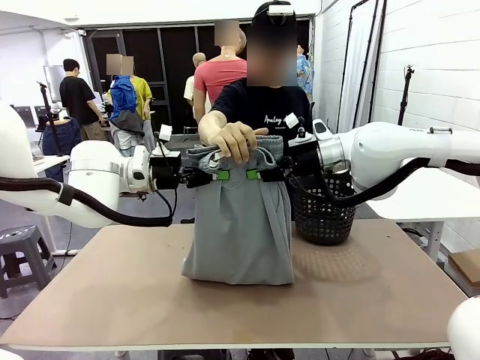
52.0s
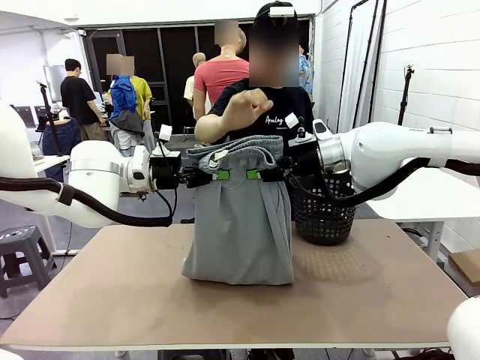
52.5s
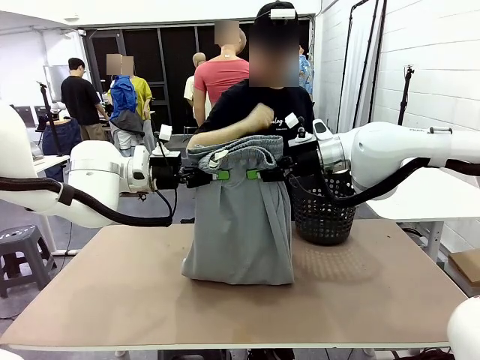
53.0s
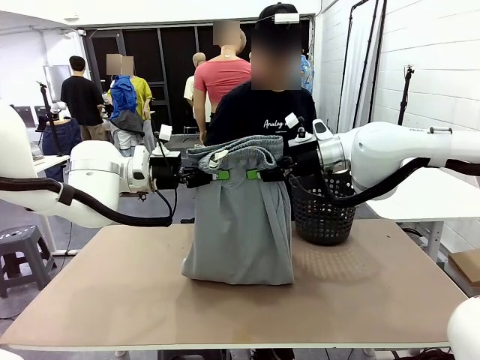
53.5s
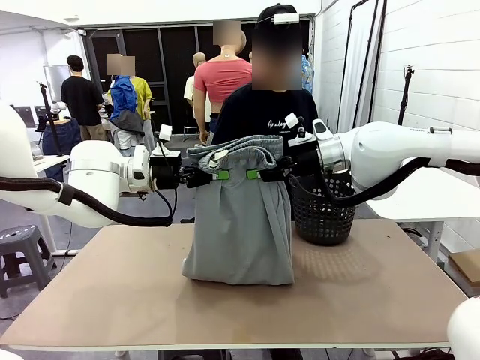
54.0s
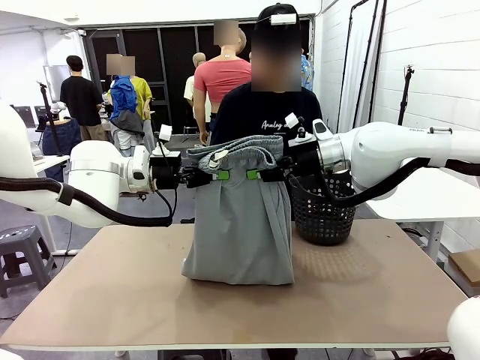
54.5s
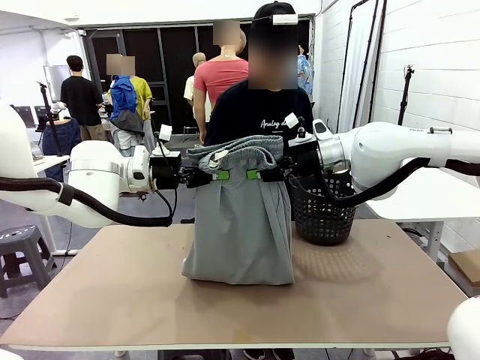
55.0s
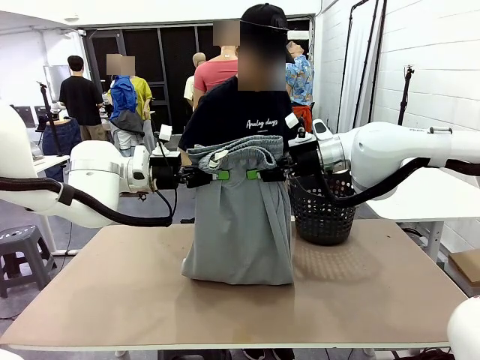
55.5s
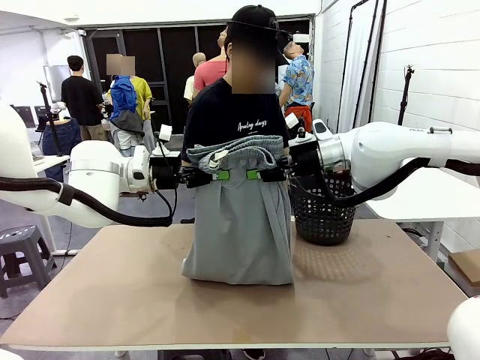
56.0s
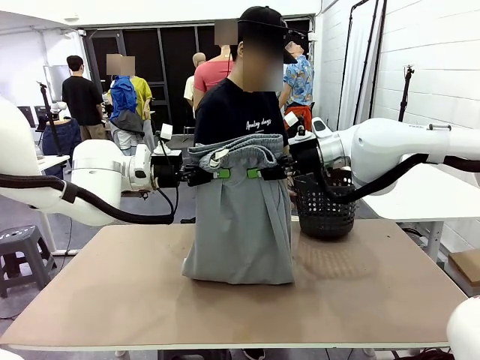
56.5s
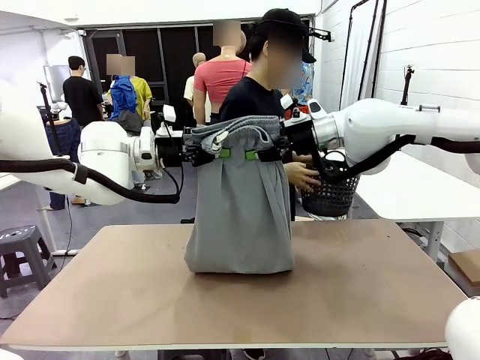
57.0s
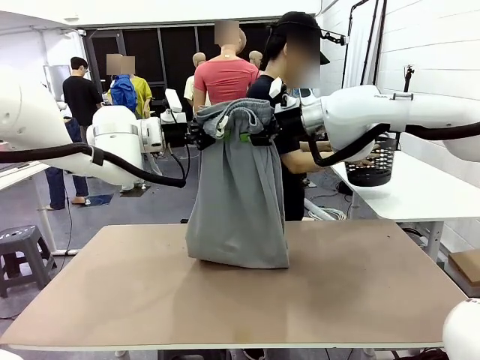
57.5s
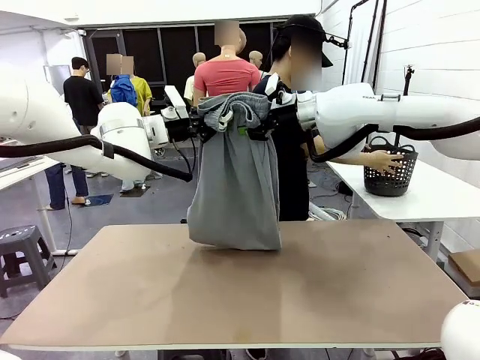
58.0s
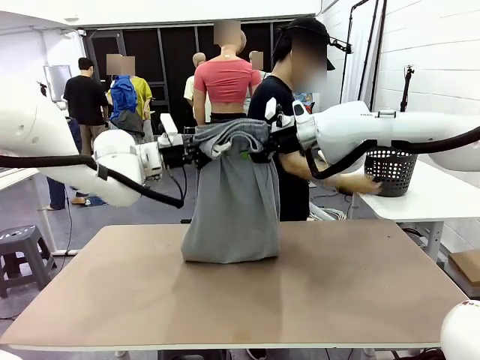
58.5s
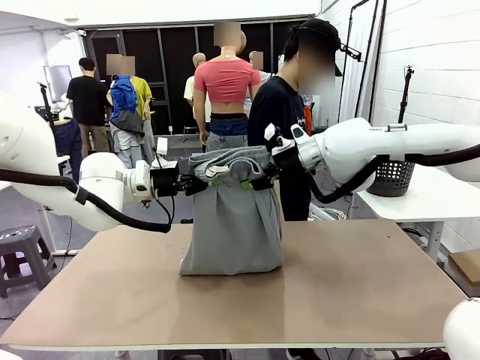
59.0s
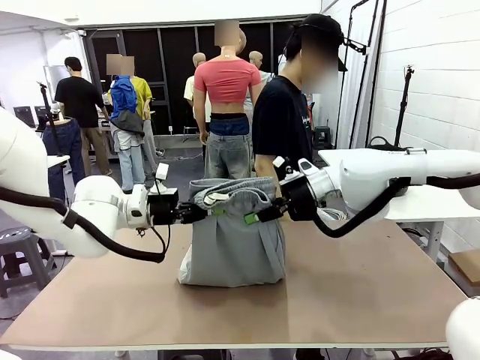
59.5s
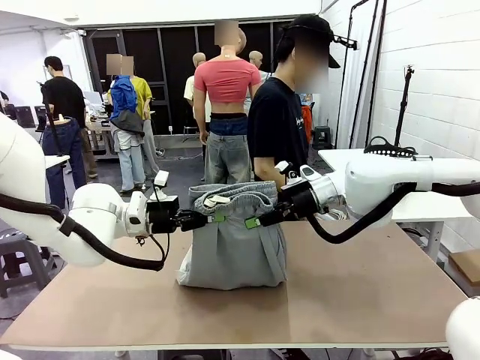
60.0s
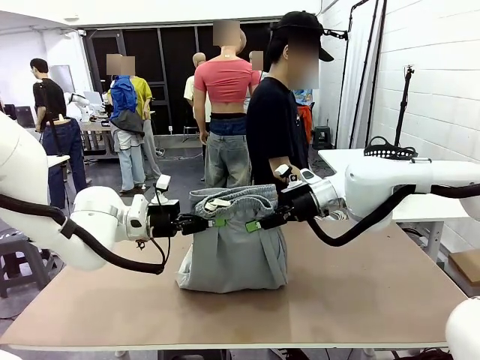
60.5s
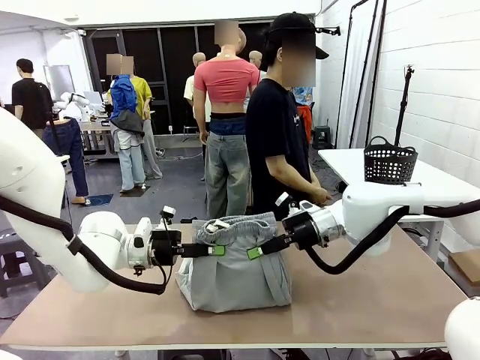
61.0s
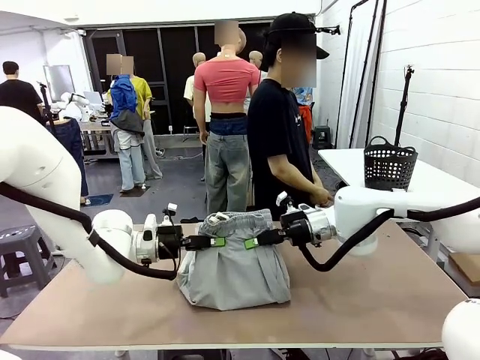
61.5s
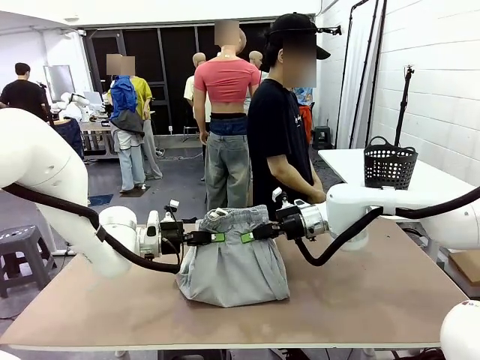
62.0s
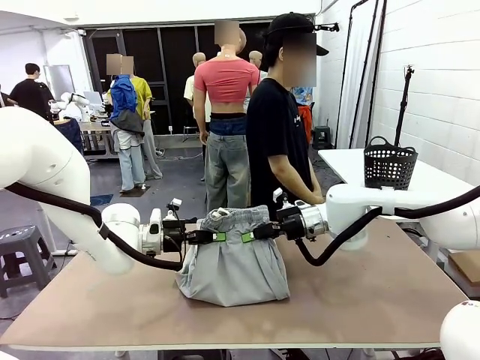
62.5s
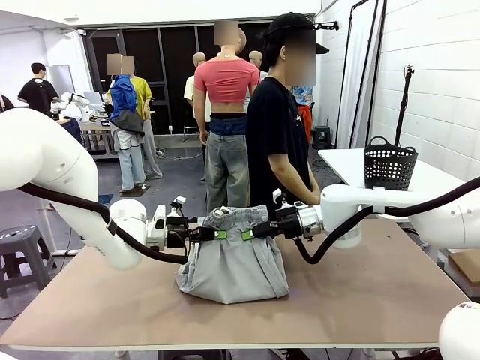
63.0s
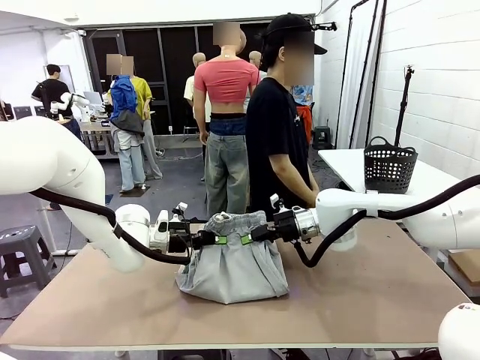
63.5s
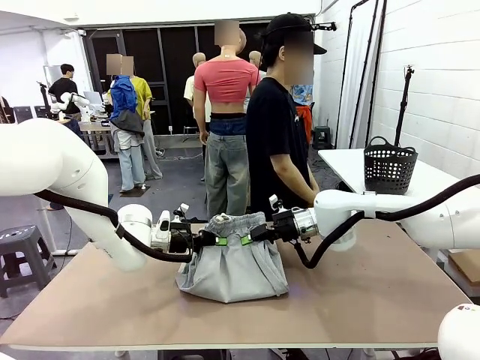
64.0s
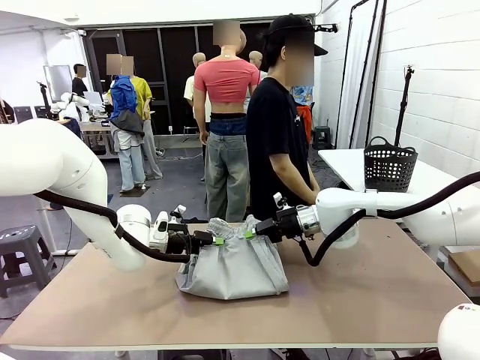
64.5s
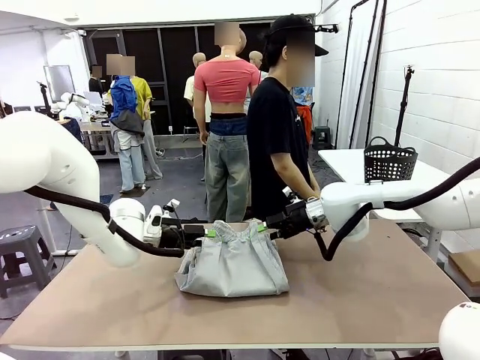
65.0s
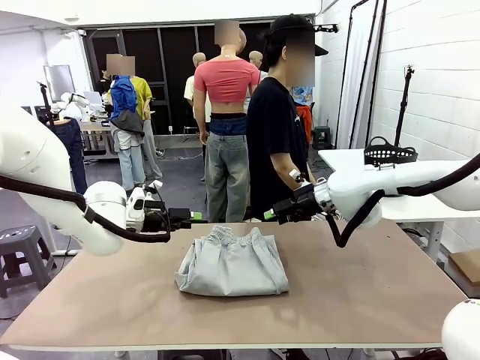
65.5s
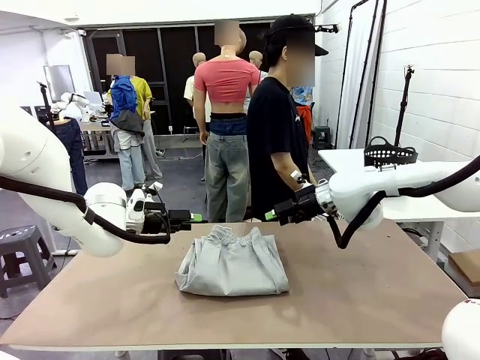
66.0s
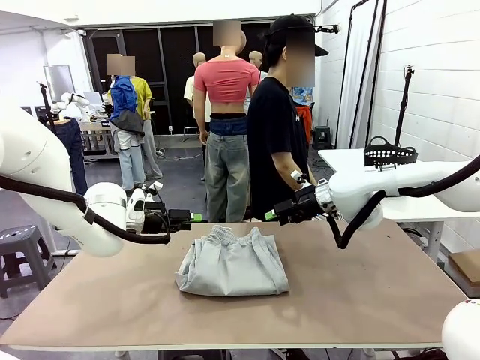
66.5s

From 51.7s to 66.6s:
Task: Fold the training pants.
Robot: Fold the Training pants in half.
Person: Move the laundry basket to the right of the human table.
